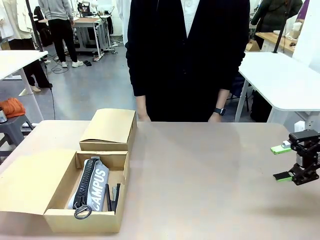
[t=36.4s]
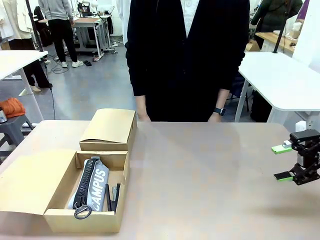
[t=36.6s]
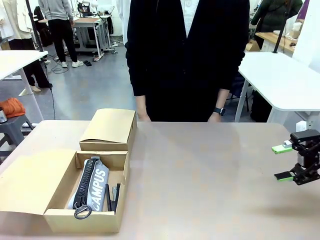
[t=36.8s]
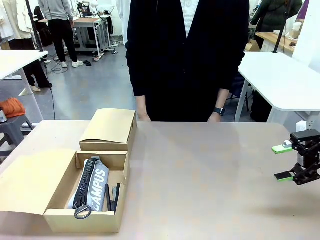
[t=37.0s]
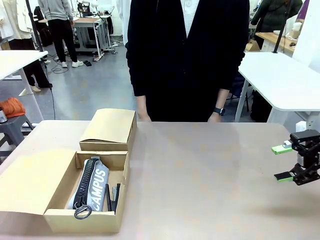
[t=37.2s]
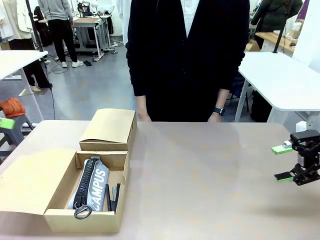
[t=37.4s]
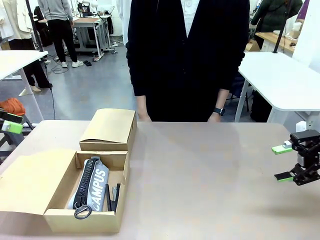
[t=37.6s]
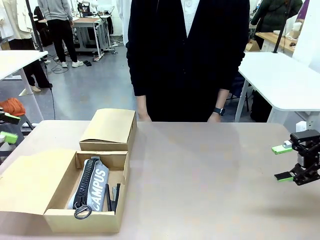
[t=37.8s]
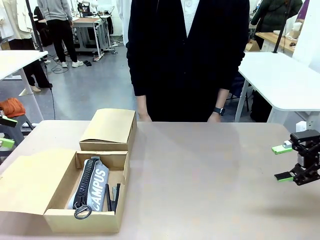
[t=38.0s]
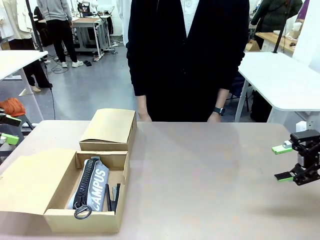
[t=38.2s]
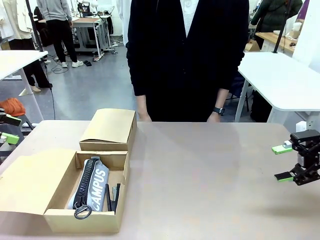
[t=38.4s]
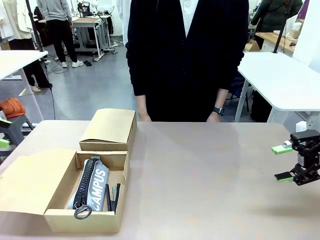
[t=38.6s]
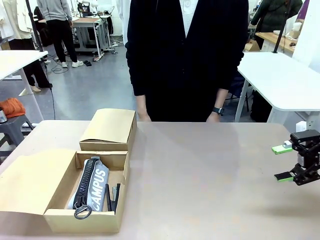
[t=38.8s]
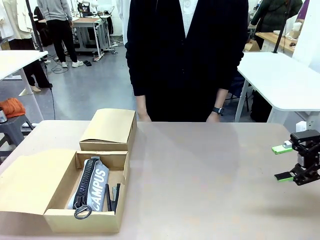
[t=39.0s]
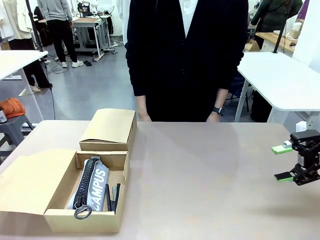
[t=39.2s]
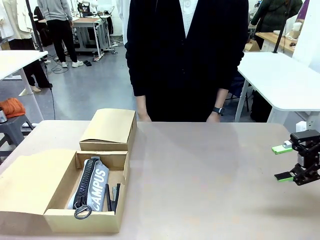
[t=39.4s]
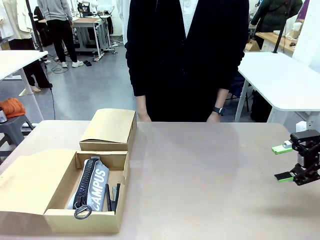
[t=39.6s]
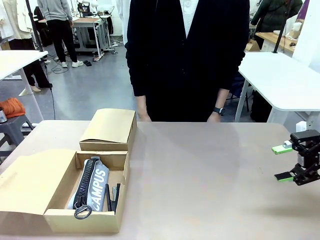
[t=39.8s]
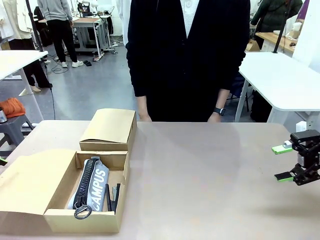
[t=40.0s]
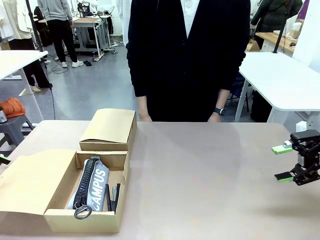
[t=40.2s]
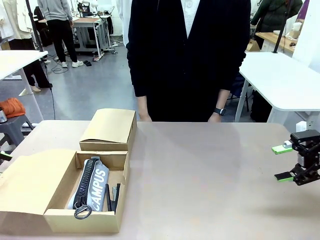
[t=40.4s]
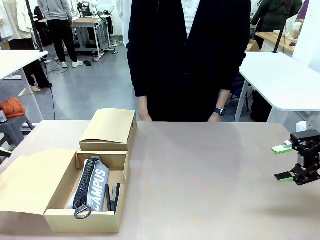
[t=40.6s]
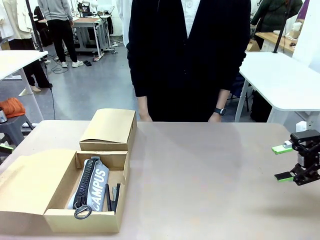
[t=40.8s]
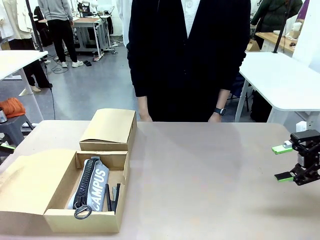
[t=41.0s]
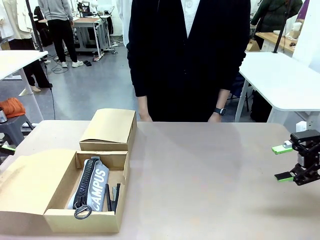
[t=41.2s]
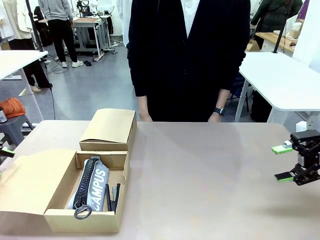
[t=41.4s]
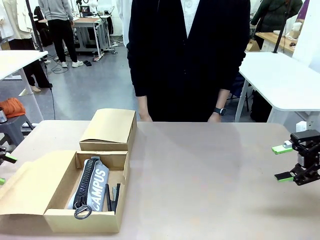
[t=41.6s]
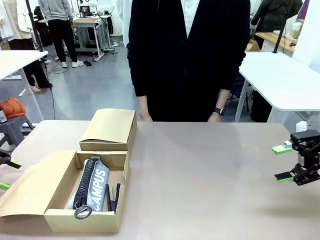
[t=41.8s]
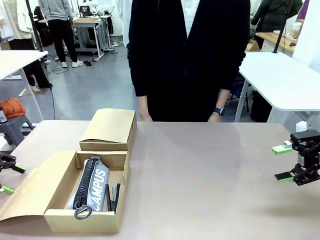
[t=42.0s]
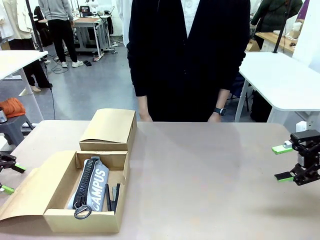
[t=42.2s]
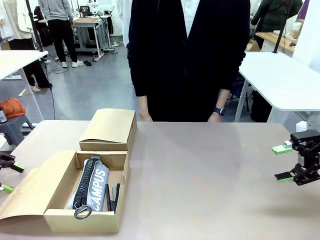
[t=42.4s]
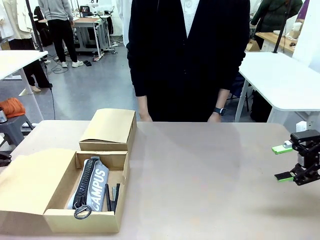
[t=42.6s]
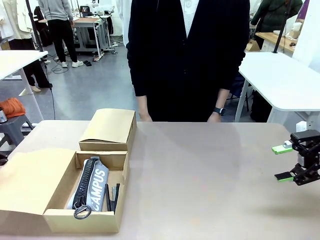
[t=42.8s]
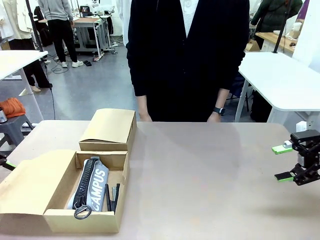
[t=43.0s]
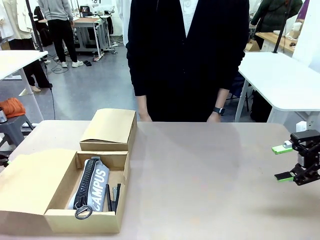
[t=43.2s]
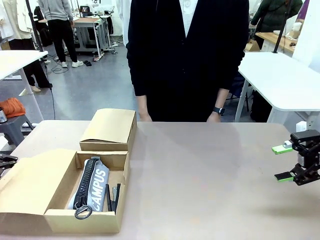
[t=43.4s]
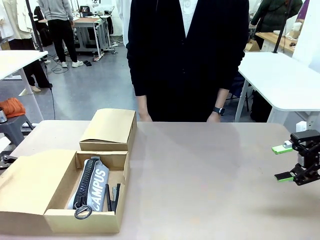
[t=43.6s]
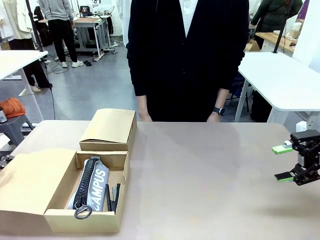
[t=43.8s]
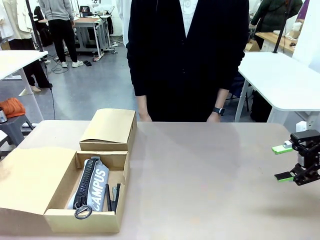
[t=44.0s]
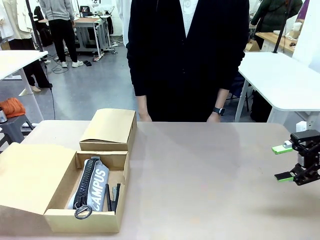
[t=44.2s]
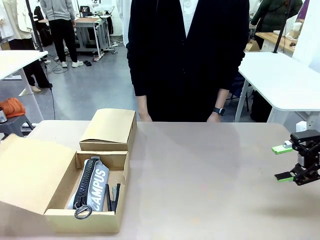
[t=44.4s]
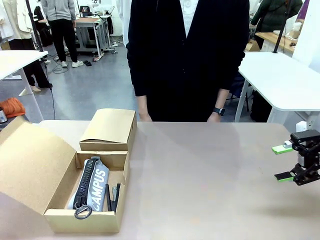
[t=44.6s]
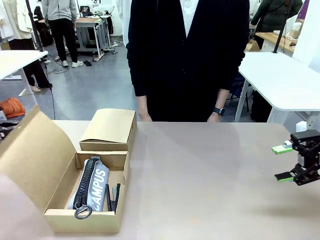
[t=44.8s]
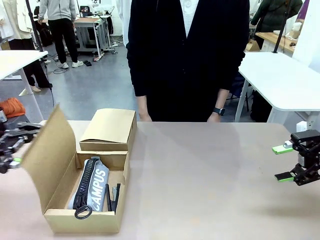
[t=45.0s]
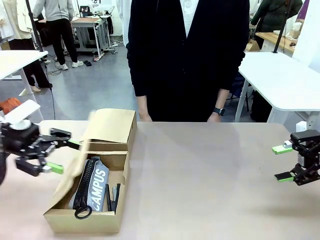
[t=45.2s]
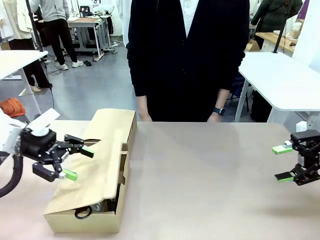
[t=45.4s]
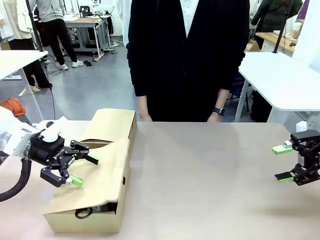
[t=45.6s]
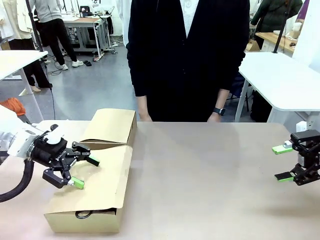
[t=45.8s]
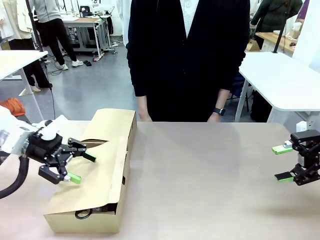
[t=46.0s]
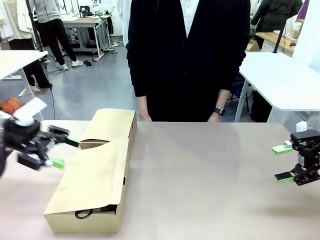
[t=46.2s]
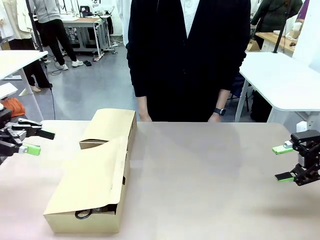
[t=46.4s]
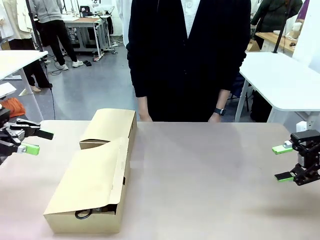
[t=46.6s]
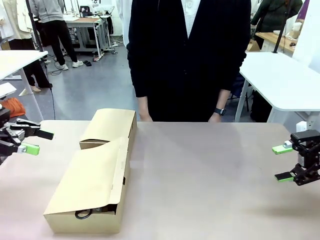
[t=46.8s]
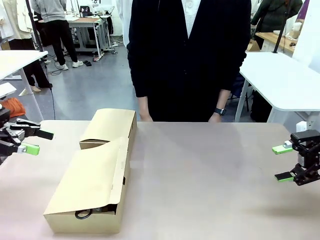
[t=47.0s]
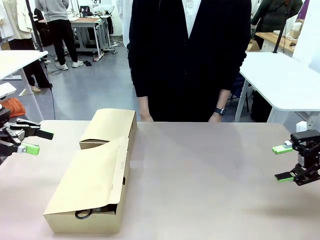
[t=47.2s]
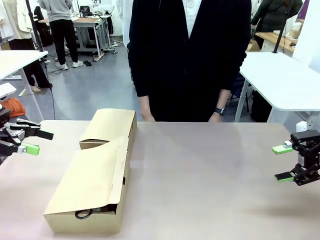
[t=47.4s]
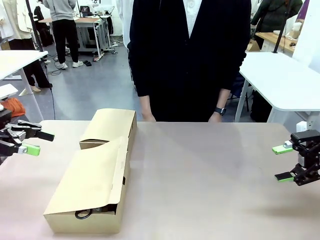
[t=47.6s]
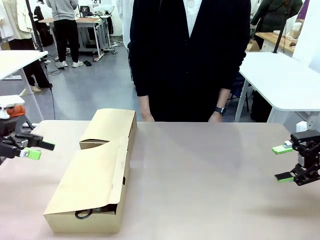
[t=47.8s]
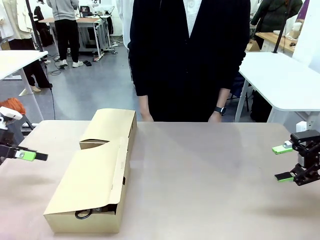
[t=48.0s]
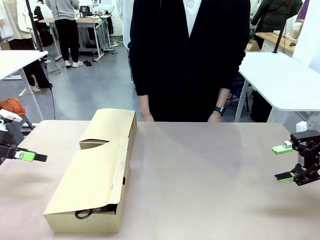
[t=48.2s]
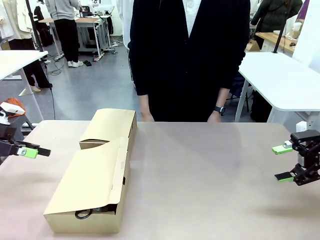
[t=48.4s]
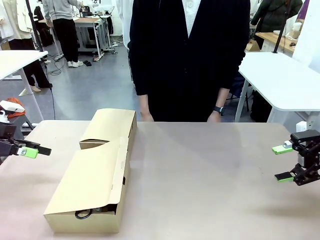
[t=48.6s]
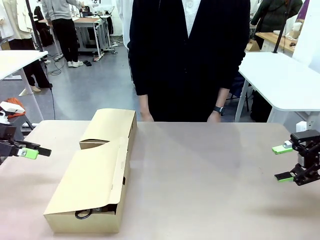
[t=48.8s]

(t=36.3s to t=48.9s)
Task: Place items inside the box.
Robot: Close the lid of the Mailer Box closest to the robot.
Person: Close the lid of the box facing the person.

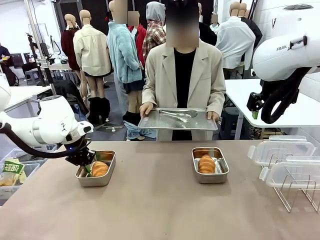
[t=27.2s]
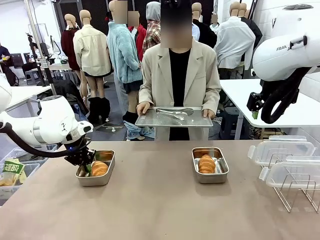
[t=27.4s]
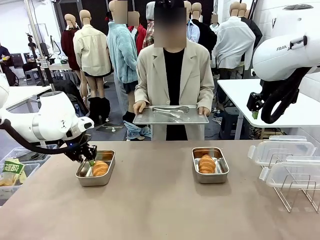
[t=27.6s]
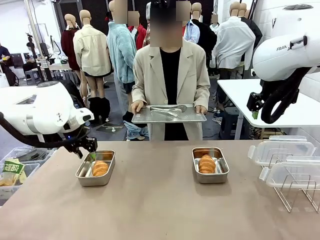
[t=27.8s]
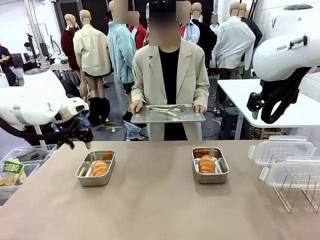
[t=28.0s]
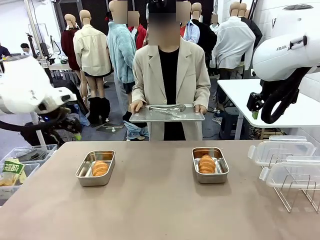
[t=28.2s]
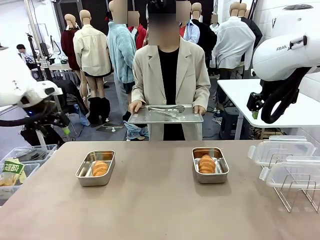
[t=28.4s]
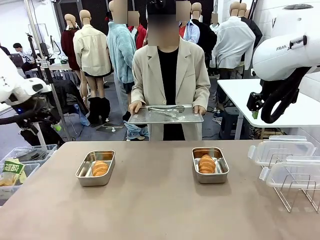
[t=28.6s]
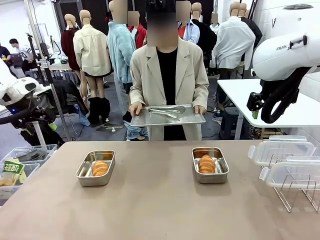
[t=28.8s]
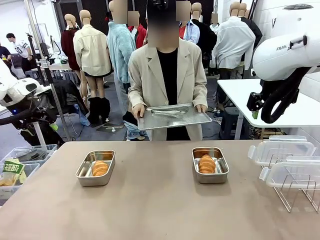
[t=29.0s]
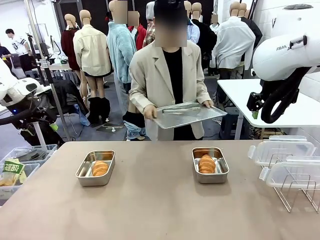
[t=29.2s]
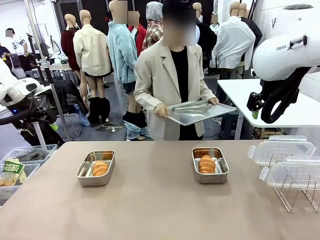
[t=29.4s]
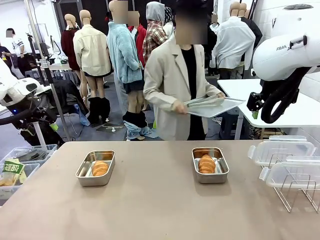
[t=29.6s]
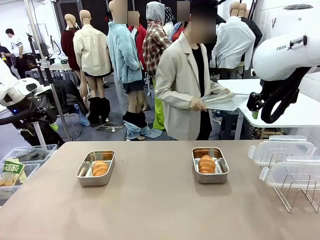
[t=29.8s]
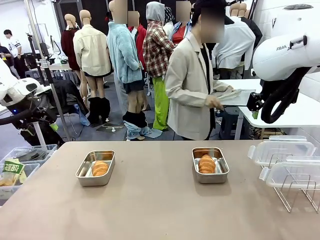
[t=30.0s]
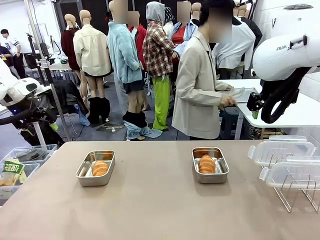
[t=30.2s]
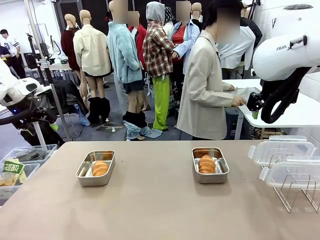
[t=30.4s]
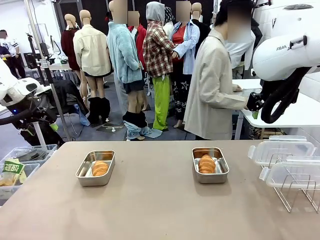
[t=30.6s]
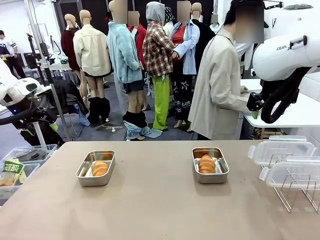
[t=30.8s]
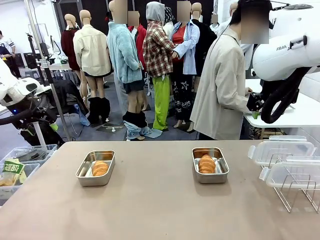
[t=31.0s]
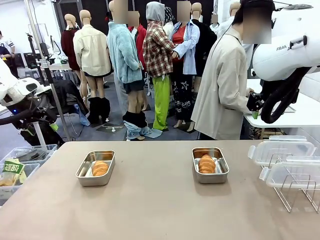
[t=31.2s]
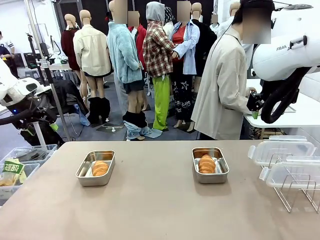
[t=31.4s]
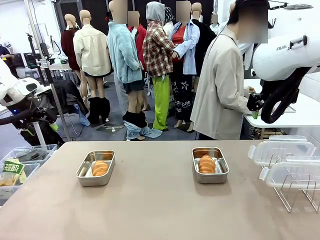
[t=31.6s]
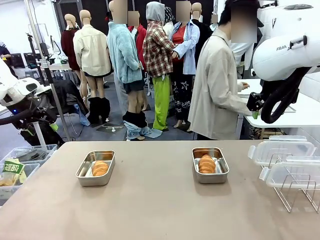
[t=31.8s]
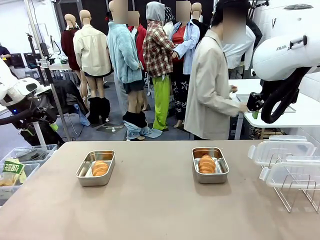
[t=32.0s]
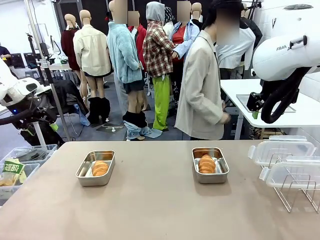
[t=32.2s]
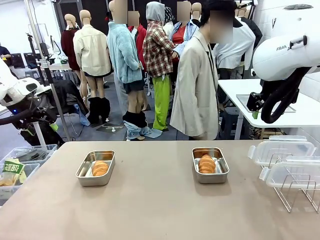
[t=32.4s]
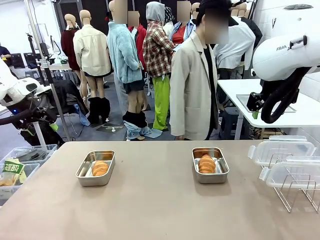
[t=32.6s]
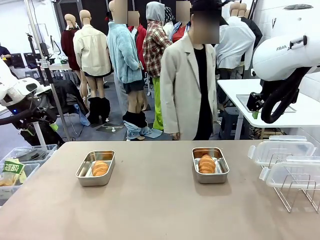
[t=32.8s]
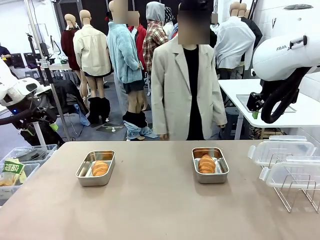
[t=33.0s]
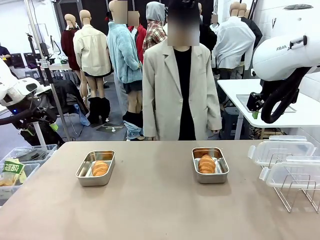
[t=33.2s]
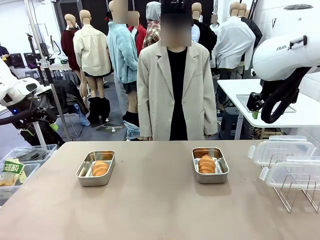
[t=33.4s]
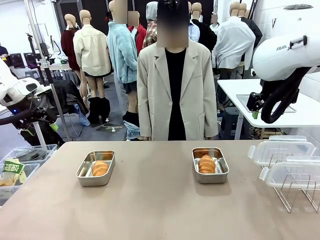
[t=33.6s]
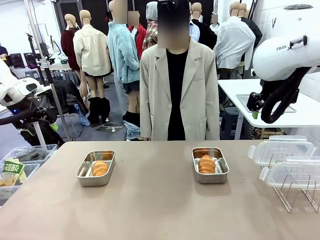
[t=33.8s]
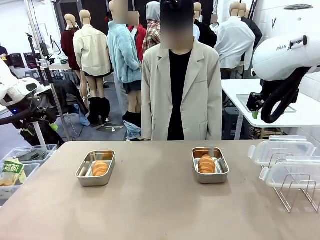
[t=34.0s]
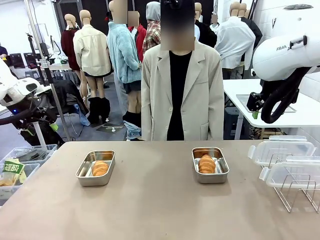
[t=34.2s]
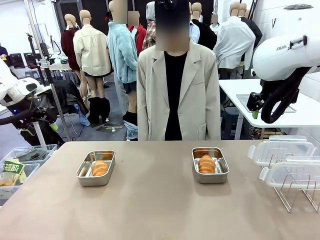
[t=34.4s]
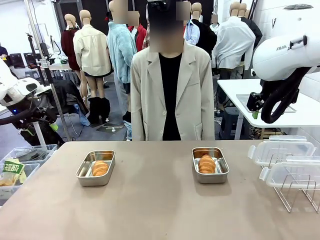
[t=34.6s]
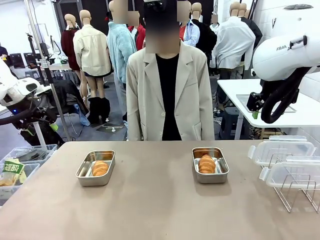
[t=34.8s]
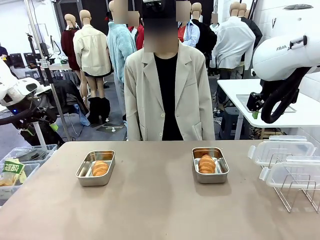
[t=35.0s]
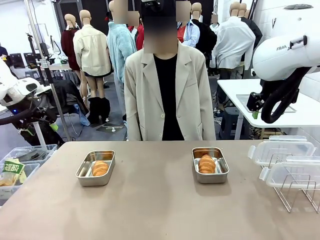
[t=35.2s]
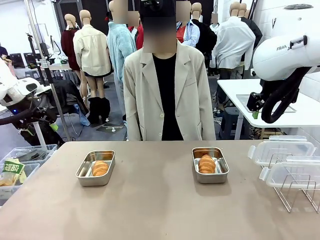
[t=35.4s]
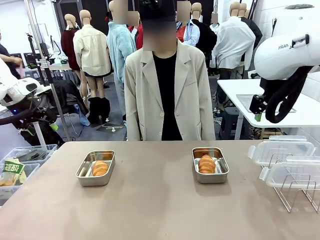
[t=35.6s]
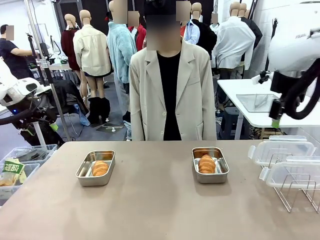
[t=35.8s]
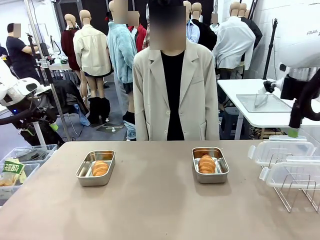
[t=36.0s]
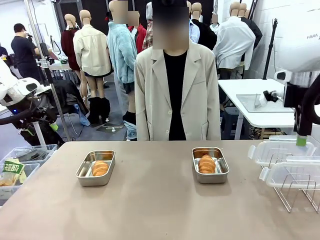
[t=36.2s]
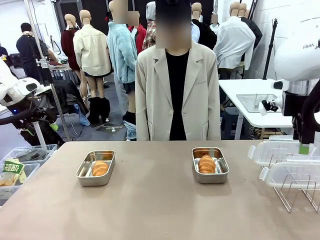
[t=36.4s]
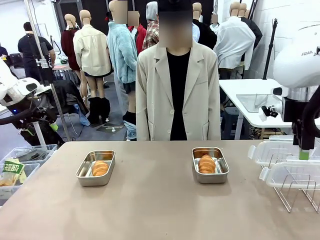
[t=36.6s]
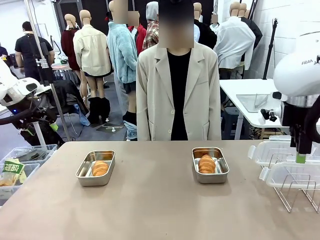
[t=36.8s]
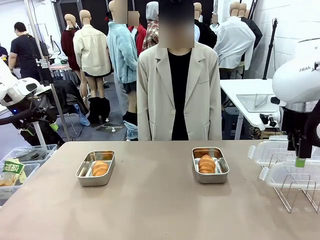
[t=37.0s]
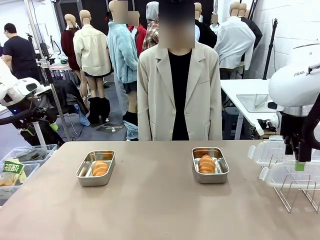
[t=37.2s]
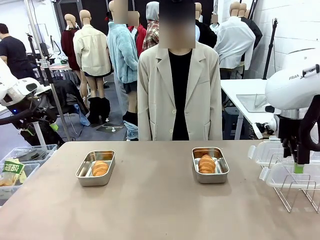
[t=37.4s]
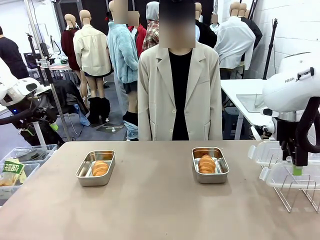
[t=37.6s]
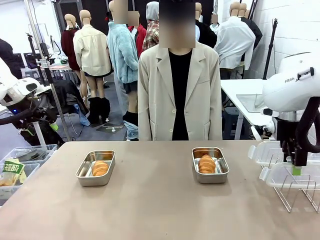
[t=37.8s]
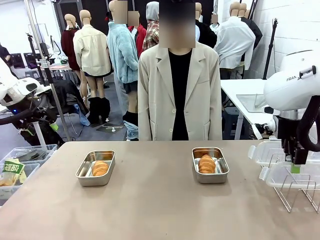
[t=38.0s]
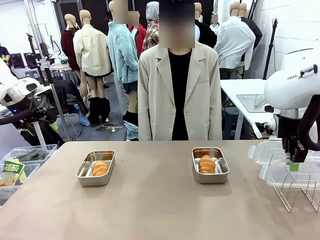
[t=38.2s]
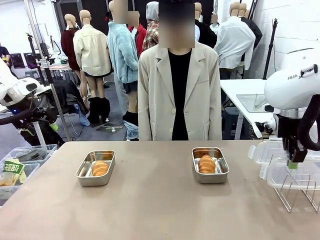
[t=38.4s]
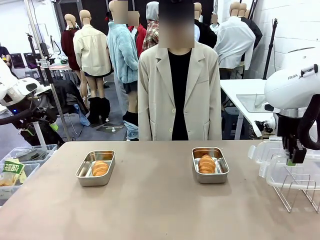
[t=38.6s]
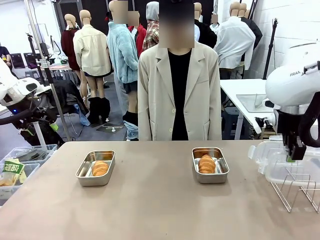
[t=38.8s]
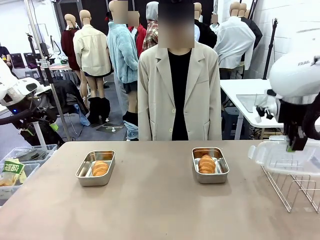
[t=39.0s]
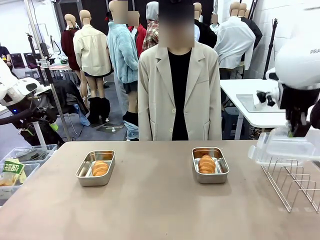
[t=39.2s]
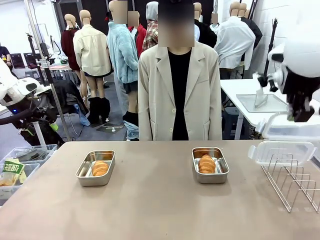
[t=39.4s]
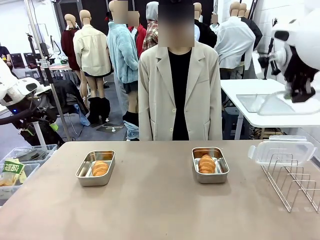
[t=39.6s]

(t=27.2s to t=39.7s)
Task: Place the bread in airtight containers.
Robot: Pick up one Airtight Container lid and hand it to the human.
Person: Place Baking Sheet on the Human's Table.
